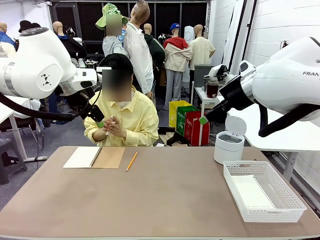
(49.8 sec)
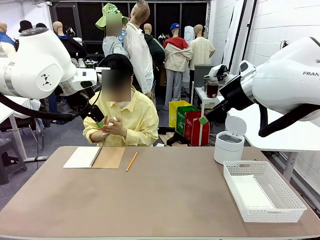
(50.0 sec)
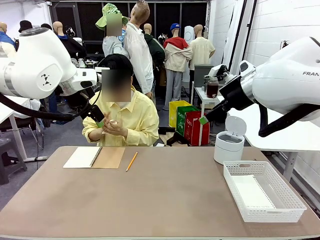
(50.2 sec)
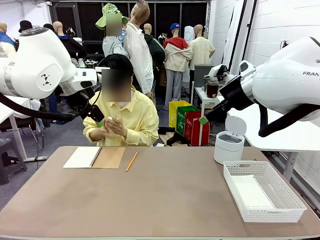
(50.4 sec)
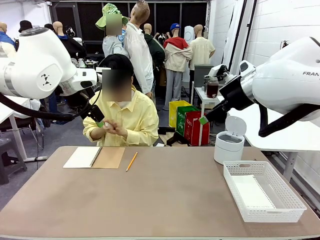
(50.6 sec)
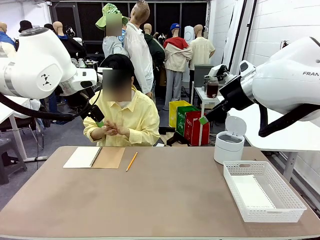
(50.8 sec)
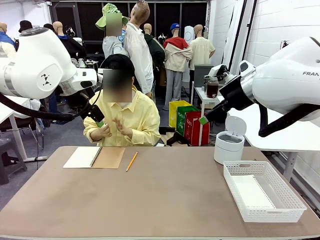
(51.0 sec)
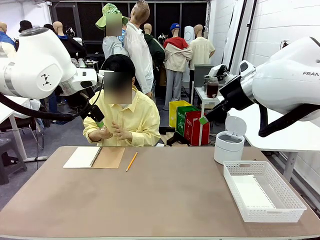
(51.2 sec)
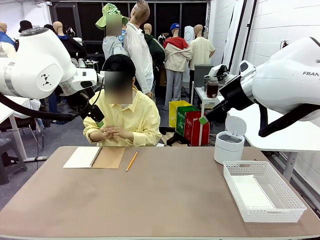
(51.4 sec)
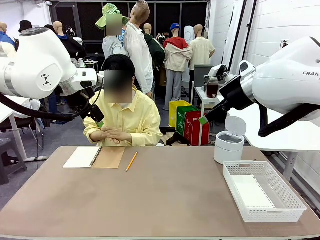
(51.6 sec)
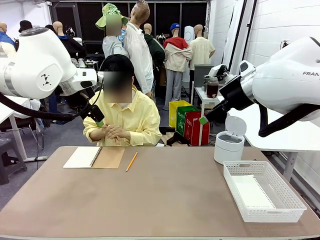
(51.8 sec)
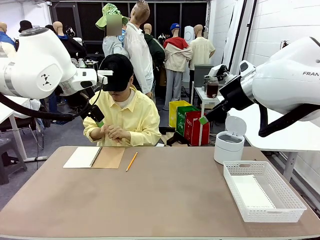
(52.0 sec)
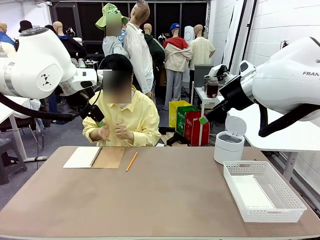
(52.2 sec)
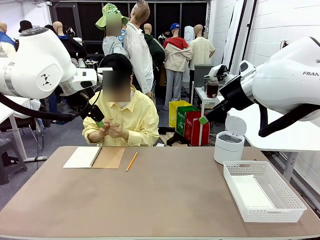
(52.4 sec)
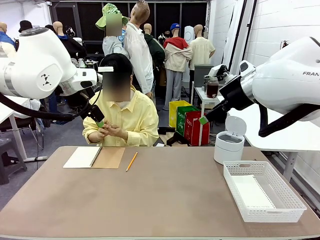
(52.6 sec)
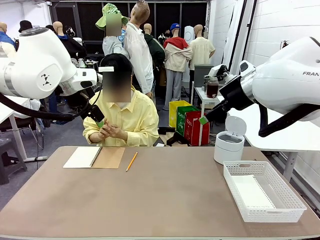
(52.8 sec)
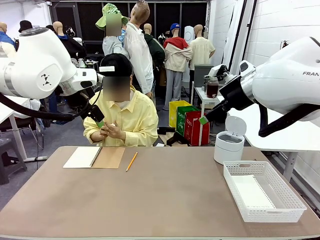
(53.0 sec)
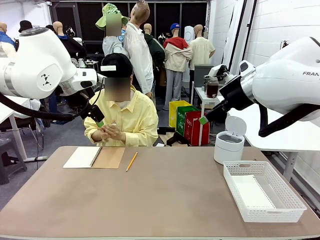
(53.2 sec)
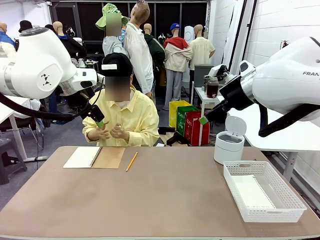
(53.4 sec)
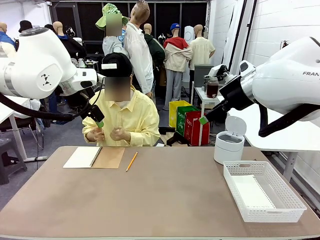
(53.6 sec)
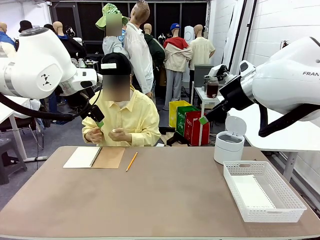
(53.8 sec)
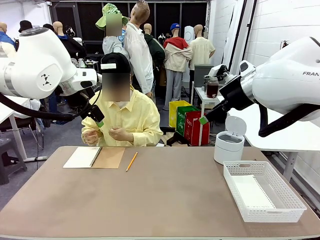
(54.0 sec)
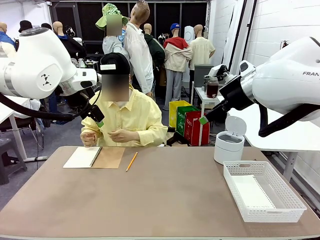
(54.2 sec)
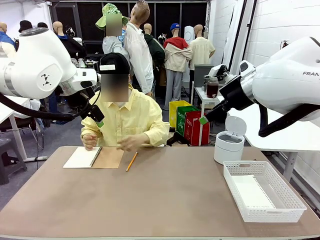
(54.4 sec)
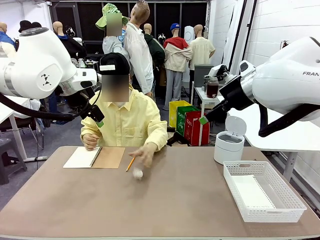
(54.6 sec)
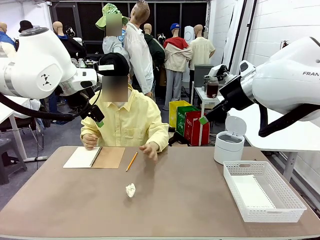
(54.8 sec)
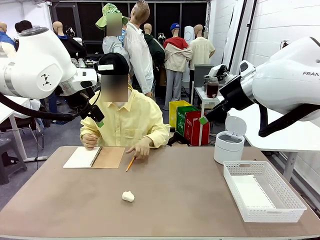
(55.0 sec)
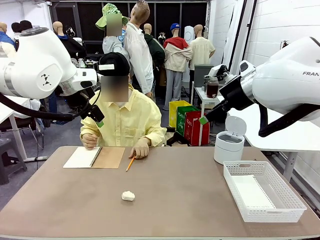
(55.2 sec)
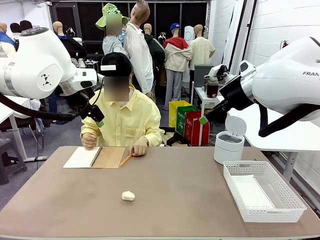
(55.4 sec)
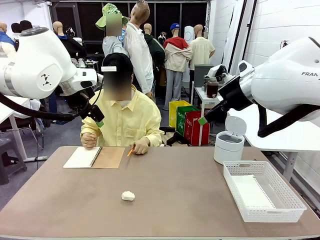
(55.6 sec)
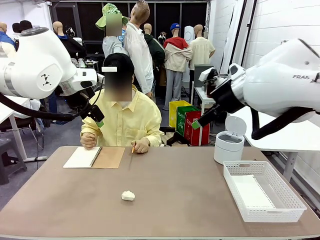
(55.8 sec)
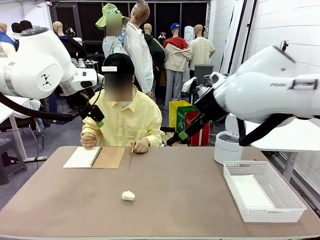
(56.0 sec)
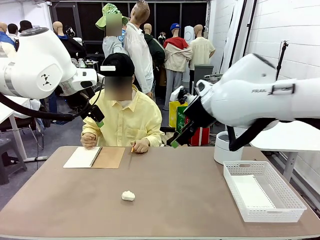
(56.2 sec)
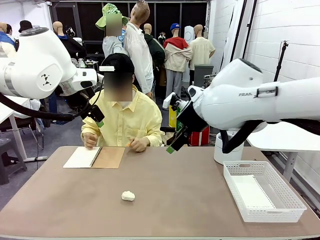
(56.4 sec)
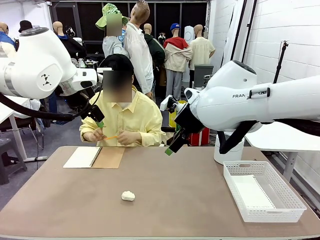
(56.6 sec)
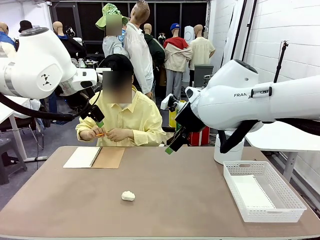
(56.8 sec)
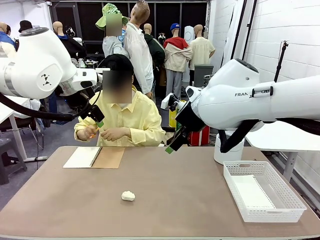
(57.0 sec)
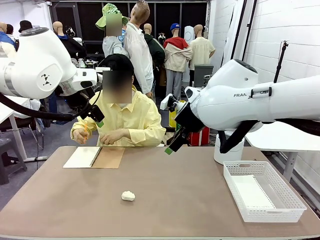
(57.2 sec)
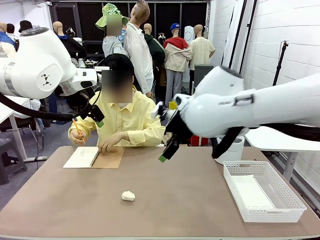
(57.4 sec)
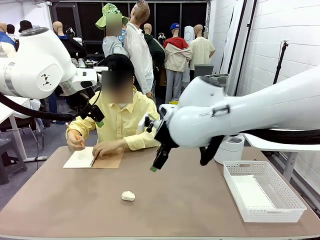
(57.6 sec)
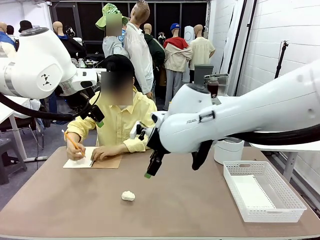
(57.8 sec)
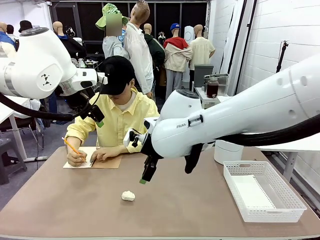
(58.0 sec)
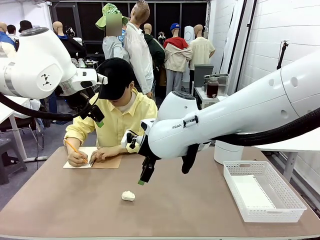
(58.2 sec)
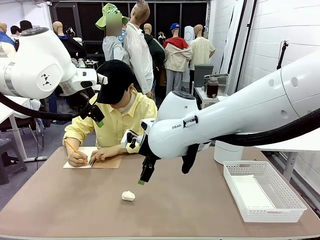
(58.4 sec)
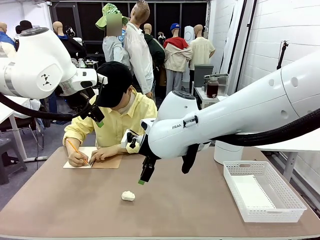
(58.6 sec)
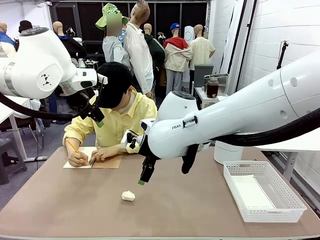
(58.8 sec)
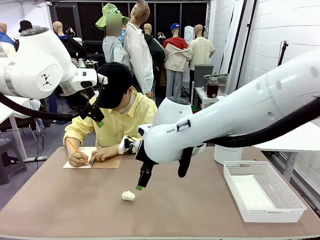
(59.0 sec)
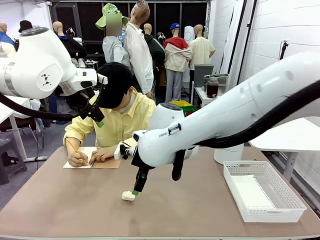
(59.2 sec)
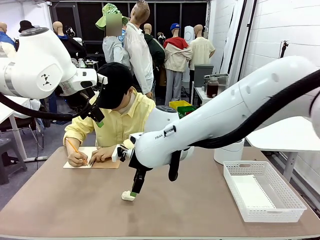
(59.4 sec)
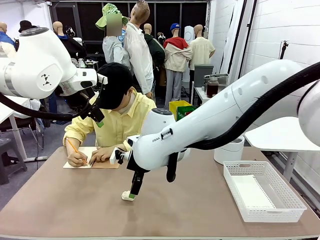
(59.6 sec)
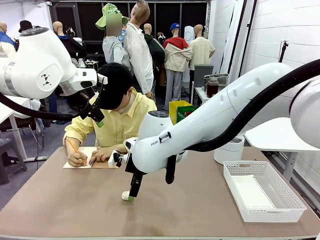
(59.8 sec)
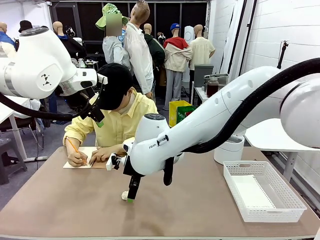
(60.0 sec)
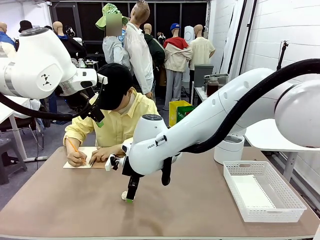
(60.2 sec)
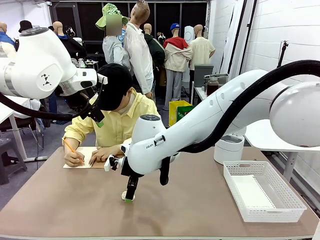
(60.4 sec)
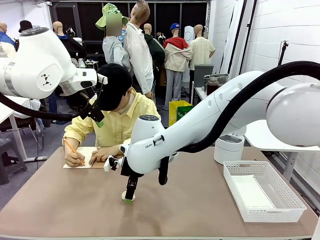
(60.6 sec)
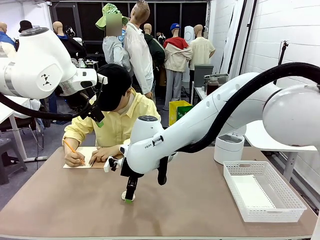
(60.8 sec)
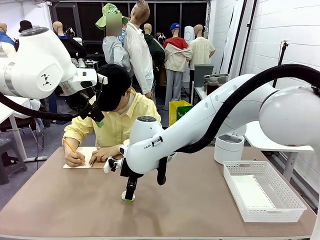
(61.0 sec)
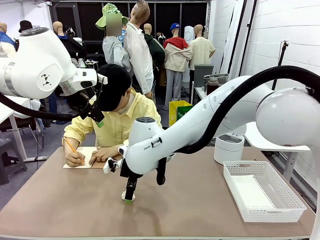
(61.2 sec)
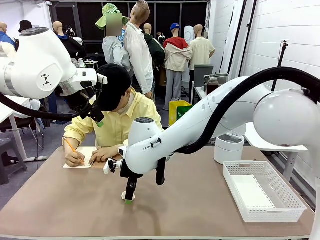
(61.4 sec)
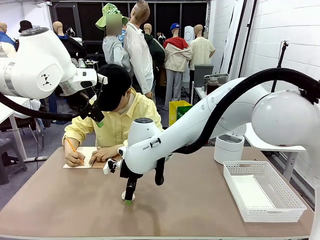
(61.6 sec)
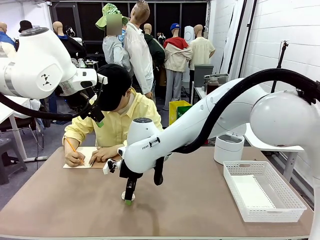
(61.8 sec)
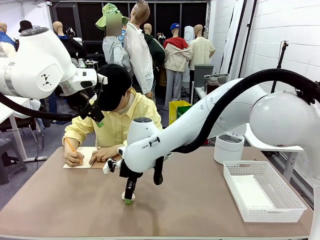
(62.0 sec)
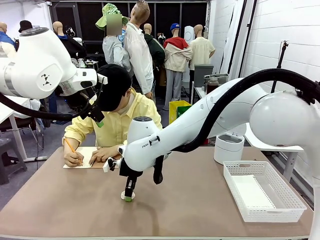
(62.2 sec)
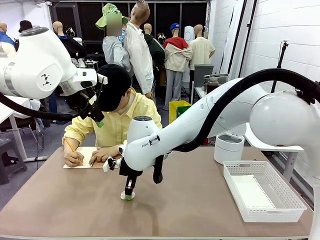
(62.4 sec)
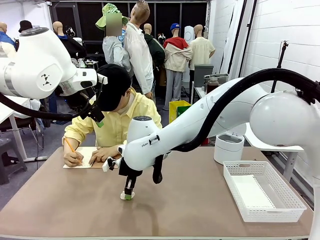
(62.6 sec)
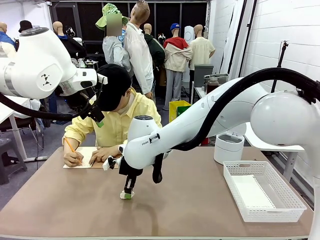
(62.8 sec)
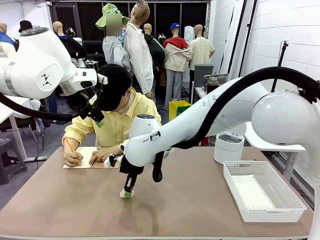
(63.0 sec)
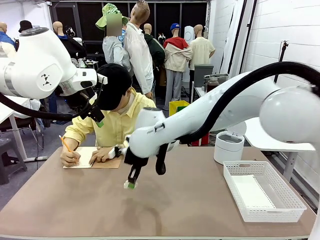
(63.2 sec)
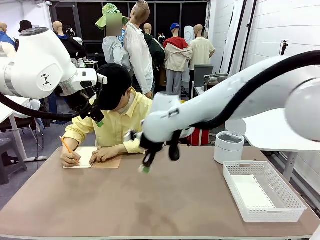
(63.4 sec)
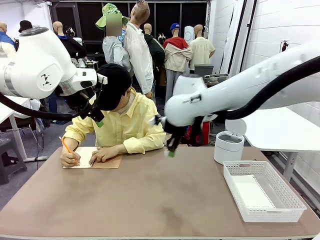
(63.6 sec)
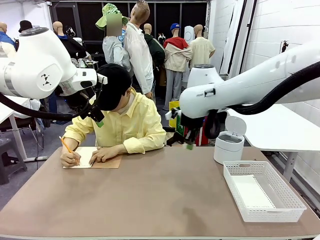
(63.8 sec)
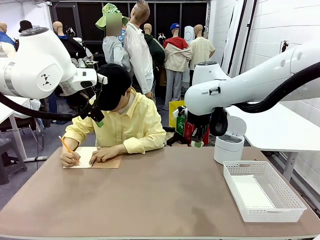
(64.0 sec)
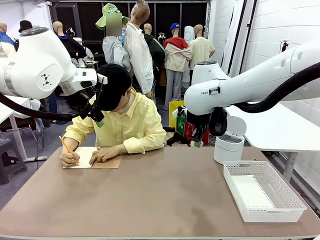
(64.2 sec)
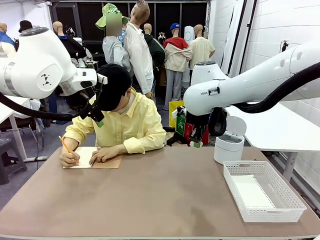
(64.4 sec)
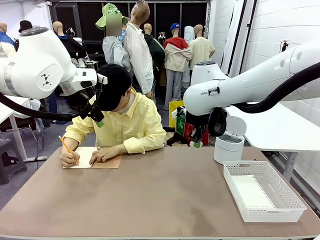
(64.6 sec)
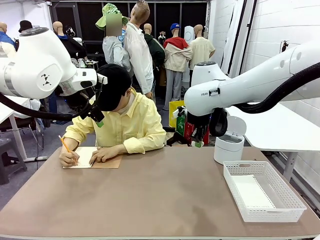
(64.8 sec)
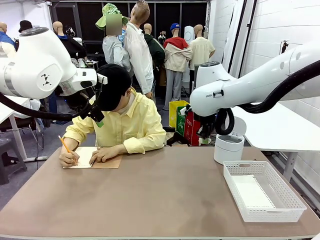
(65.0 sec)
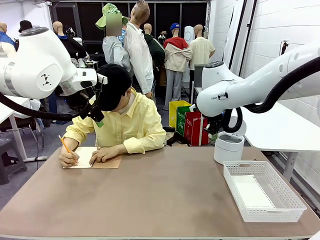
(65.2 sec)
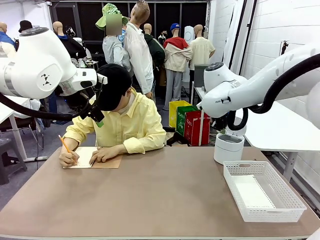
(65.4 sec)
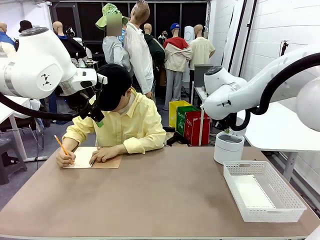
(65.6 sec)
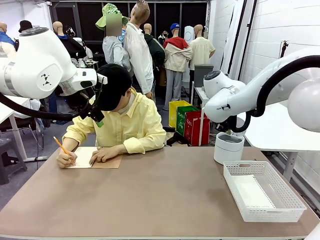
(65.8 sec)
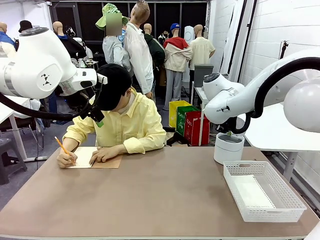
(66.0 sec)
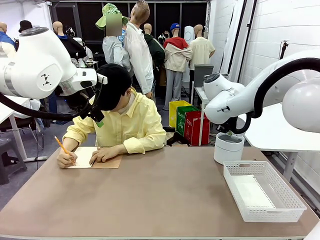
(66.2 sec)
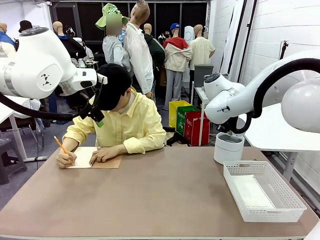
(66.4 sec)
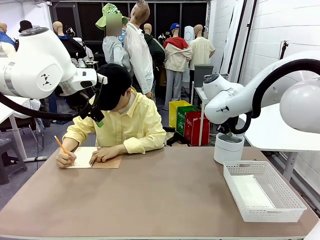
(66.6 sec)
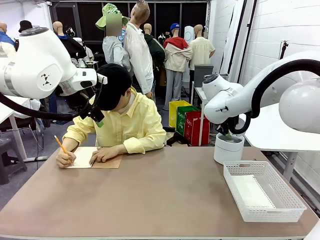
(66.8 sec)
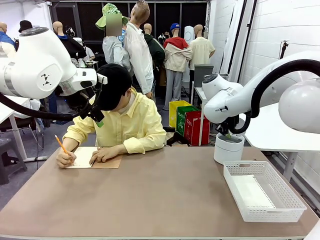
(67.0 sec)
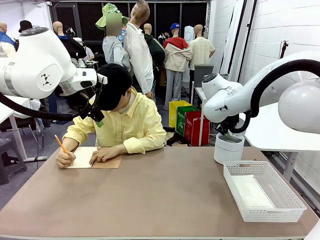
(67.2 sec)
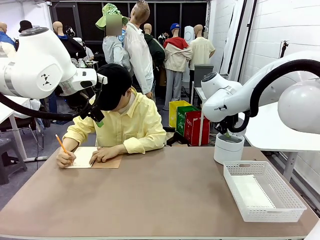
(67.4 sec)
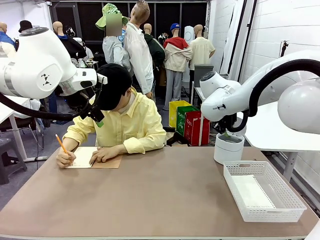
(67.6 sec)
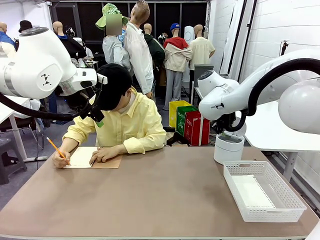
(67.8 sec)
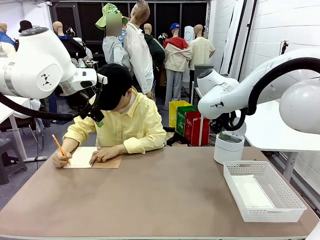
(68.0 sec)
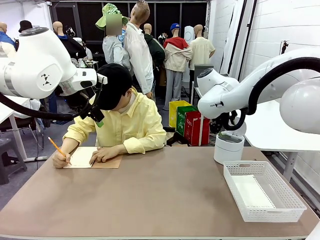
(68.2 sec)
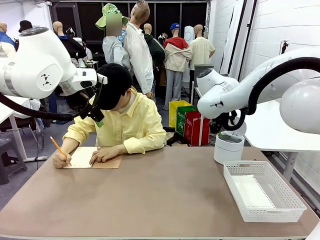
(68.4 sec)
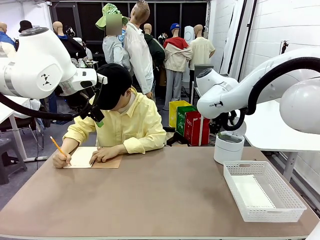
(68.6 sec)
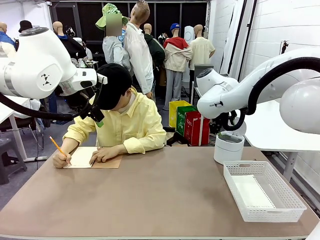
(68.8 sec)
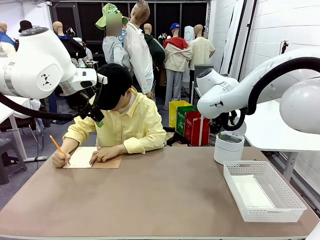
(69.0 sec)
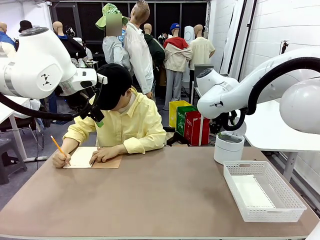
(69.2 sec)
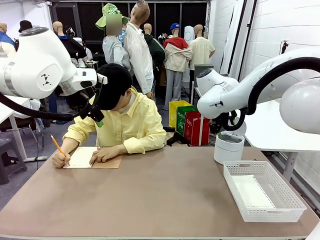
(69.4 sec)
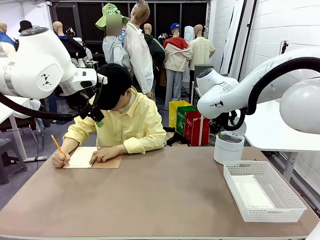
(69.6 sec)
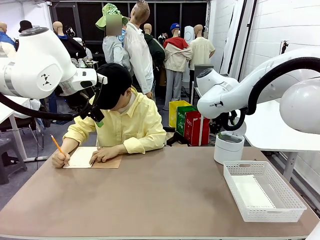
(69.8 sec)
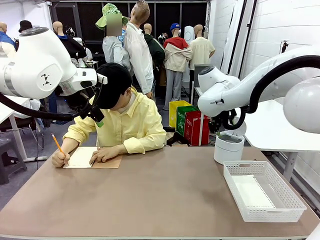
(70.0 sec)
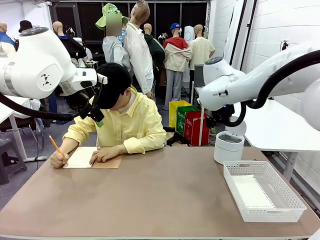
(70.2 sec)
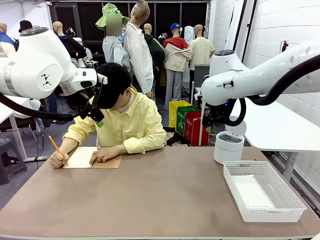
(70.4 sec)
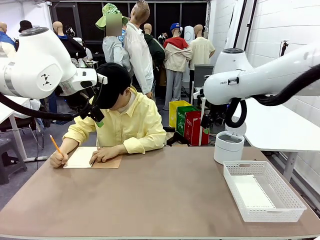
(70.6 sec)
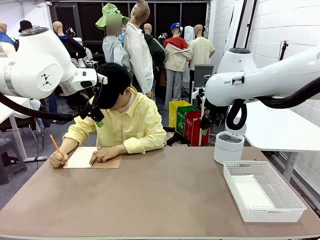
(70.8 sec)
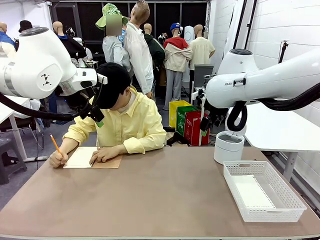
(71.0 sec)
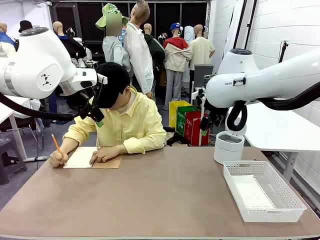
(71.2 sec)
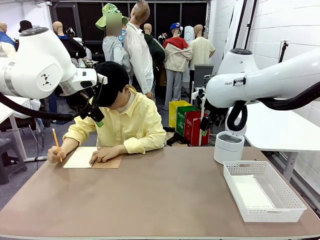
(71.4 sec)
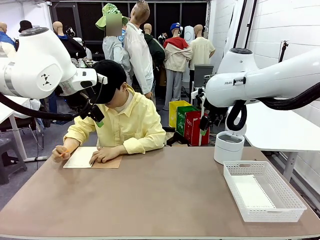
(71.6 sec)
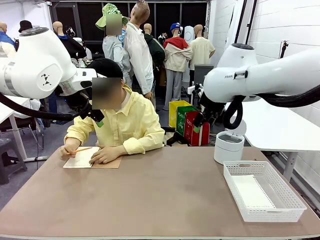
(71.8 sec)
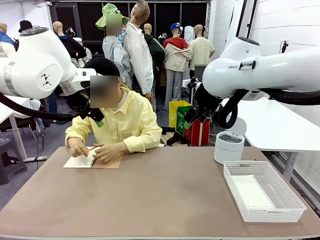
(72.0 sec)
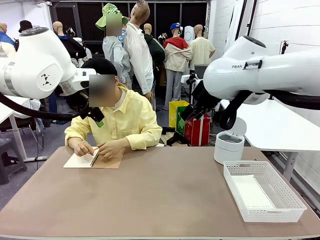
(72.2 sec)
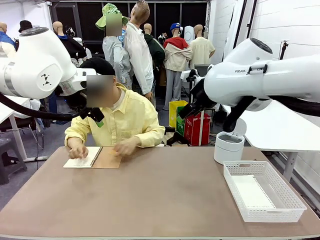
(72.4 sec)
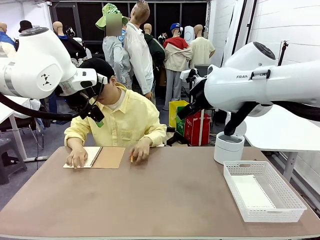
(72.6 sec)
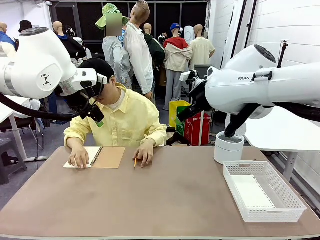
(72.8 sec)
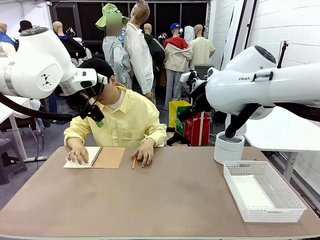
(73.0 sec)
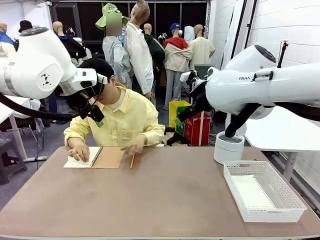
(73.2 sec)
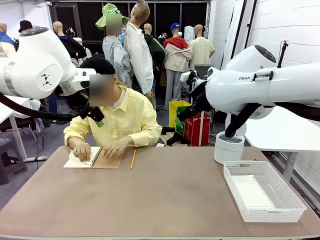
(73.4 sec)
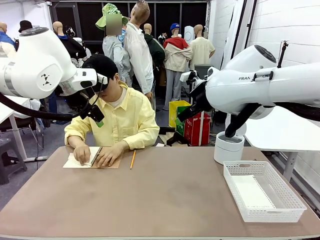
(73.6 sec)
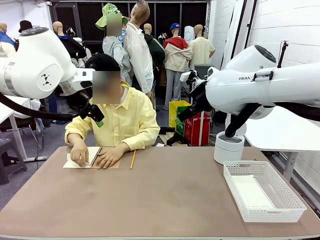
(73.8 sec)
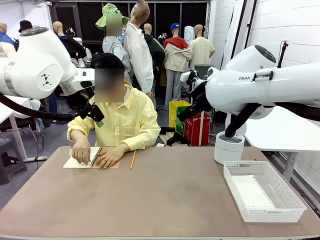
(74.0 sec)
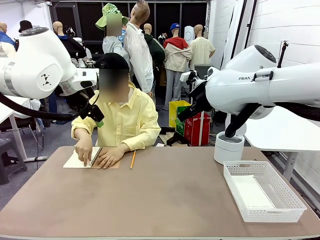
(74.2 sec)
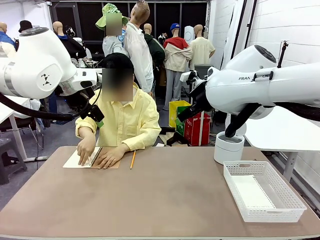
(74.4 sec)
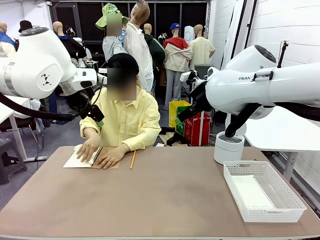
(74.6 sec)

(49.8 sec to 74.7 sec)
Task: Sort the paper based on its condition.
Robot: If a person hands you a paper, place it in the Organizing basket , and if it's crumpled, put it in the Trash can.
Person: Hand the torn page to the robot or crumple it and throw it to the center of the table. Tear out a page from the spiral notebook.
